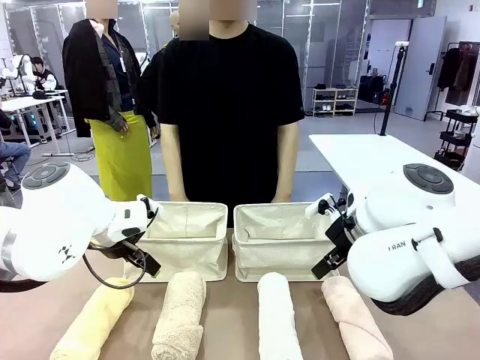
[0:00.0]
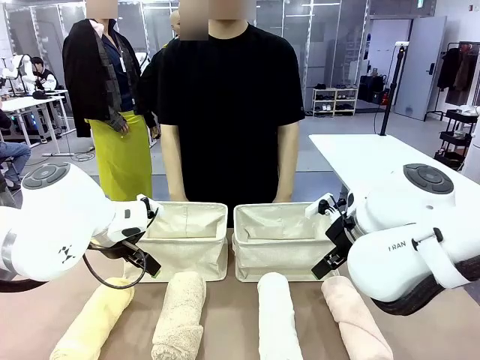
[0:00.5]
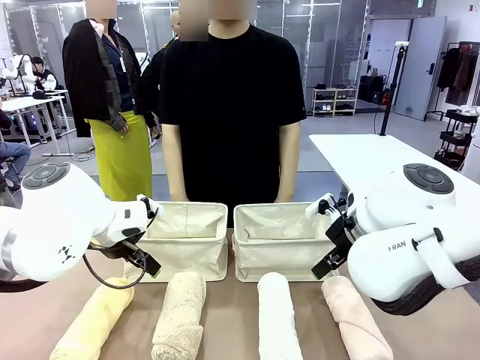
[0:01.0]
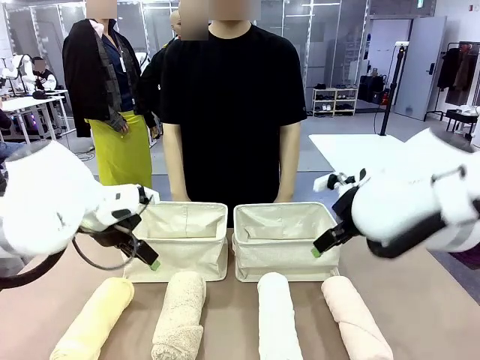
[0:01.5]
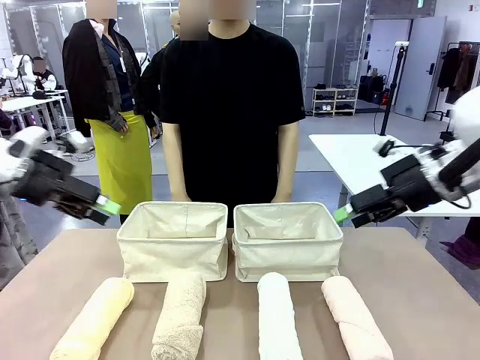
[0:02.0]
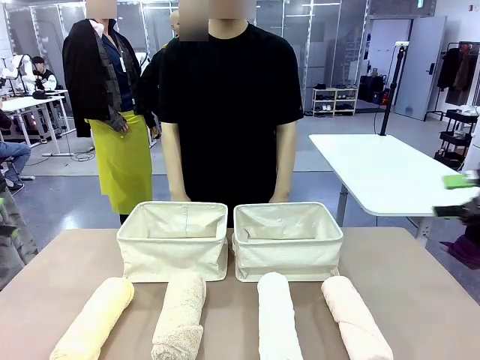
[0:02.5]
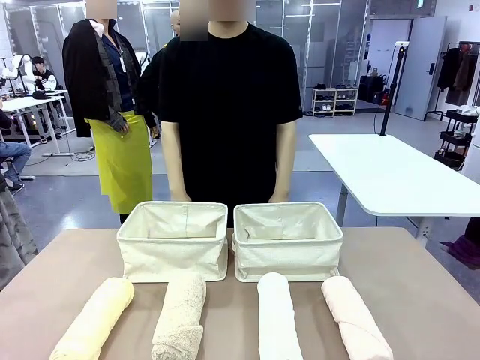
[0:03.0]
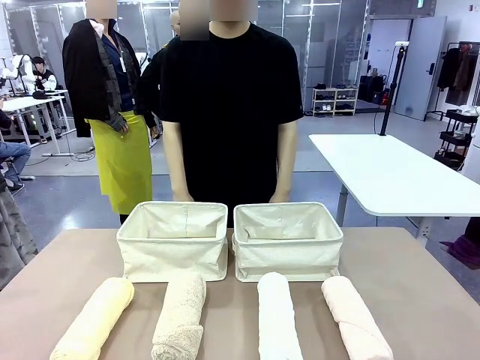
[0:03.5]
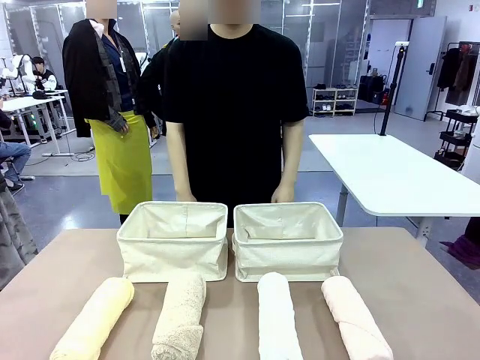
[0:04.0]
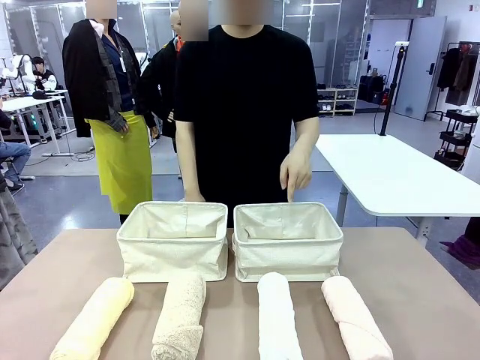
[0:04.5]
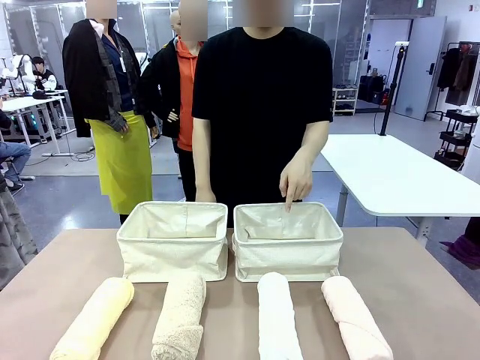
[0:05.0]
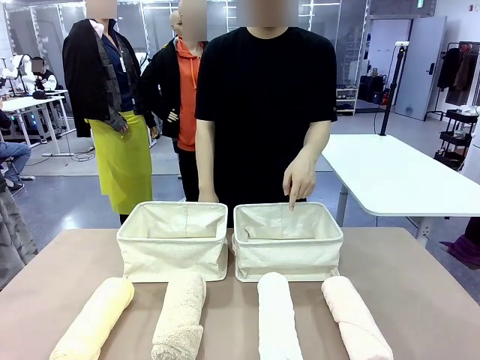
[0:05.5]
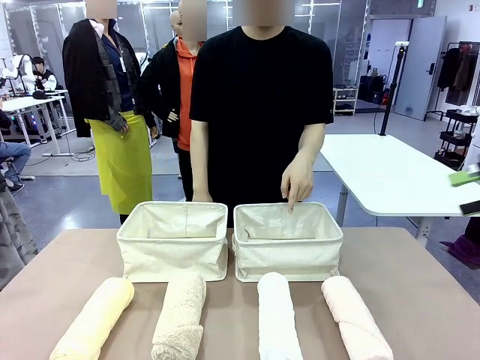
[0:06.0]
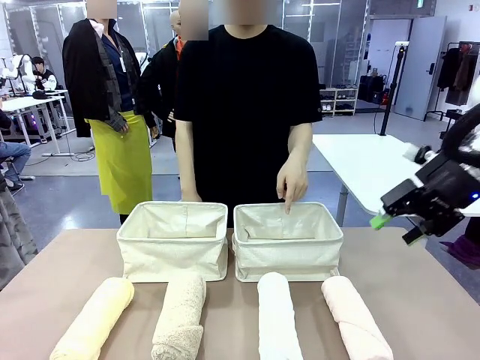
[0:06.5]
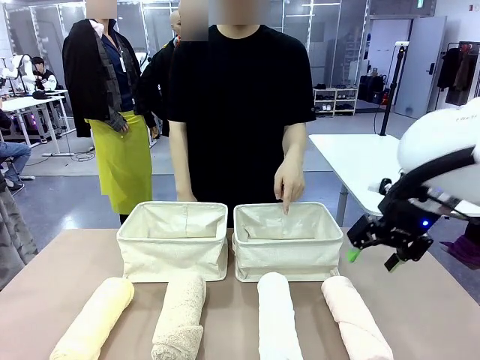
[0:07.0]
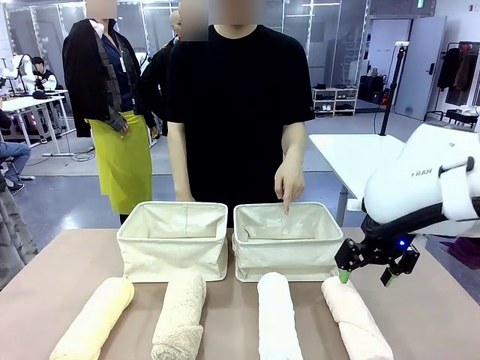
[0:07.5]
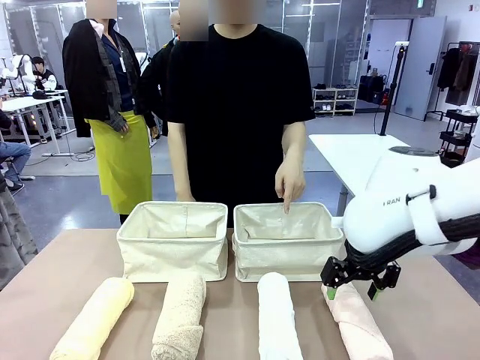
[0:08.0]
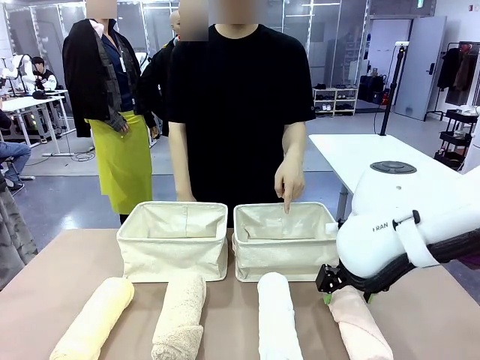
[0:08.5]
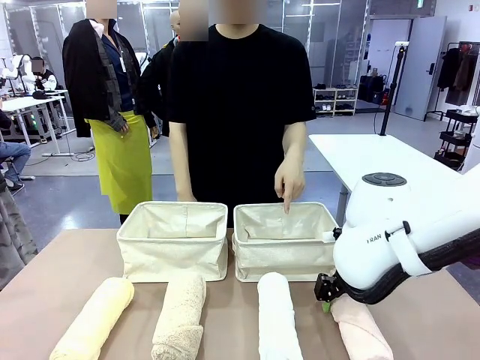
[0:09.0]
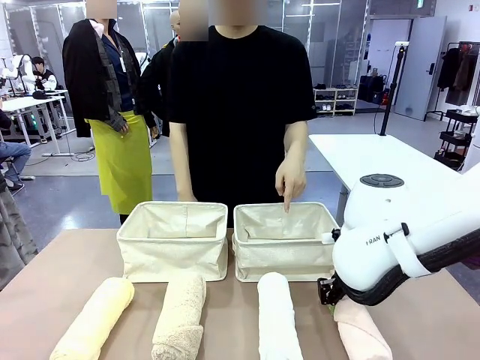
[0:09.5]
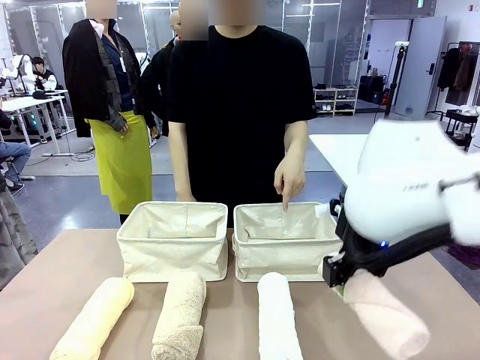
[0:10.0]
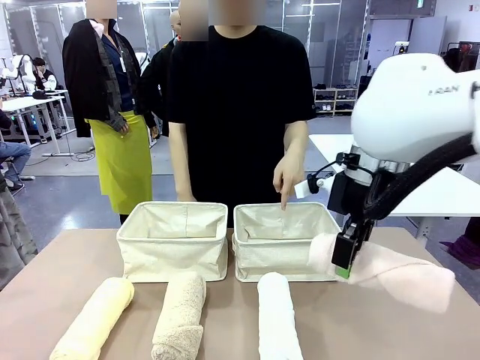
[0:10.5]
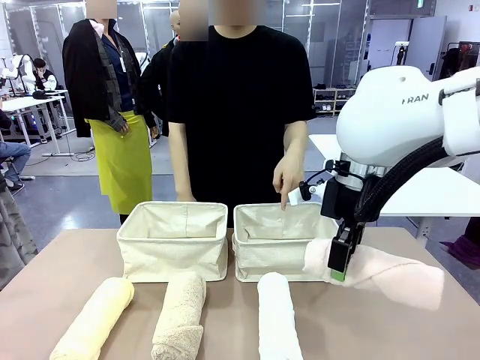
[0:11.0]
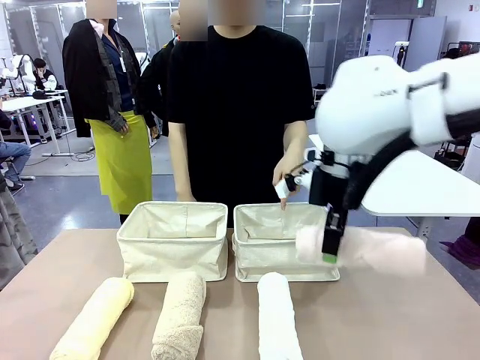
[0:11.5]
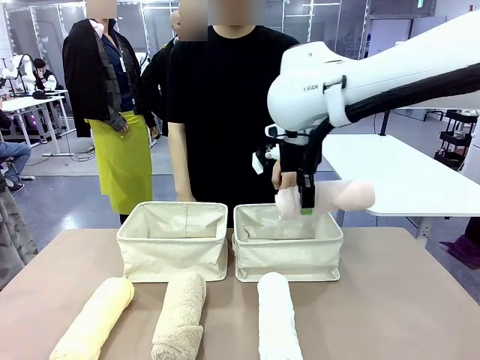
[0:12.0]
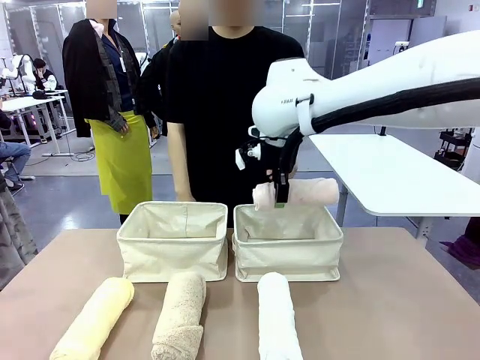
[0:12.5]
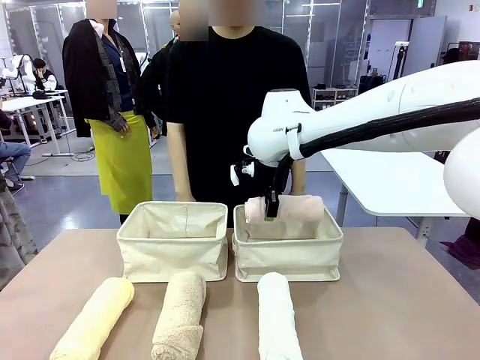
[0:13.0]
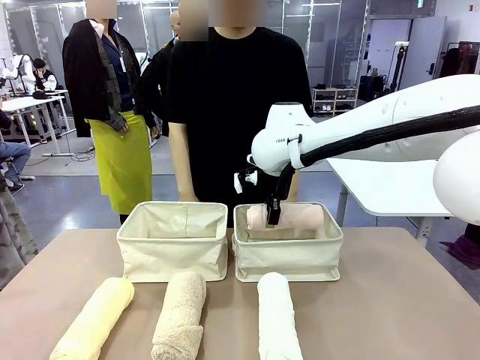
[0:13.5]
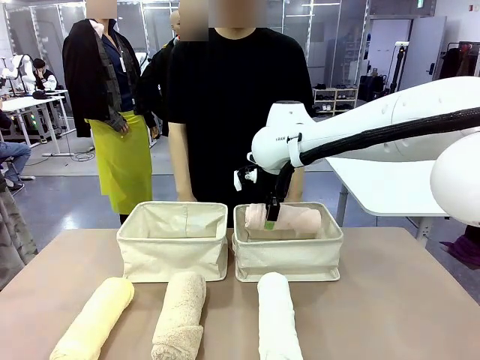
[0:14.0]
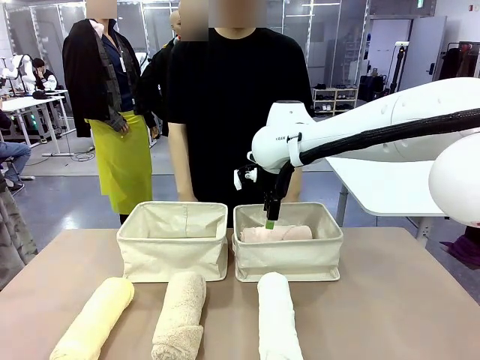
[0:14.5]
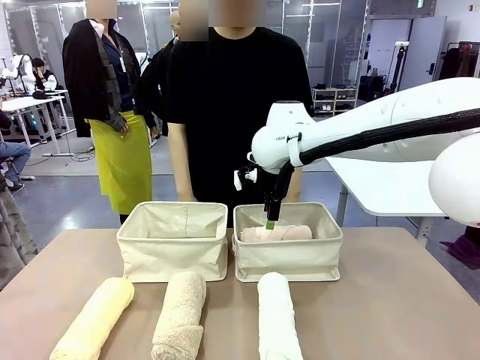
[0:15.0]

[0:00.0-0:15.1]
Task: Divide the towels into two baskets.
Robot: Pick up one hotel-folded towel and place it in the Fabric basket indicated by the person.

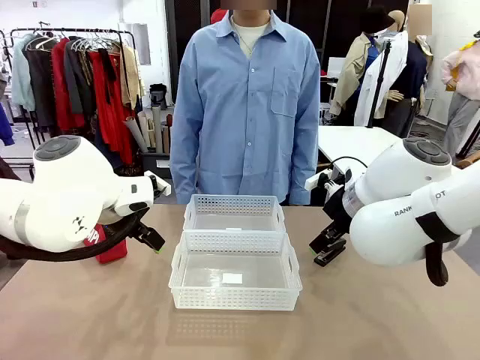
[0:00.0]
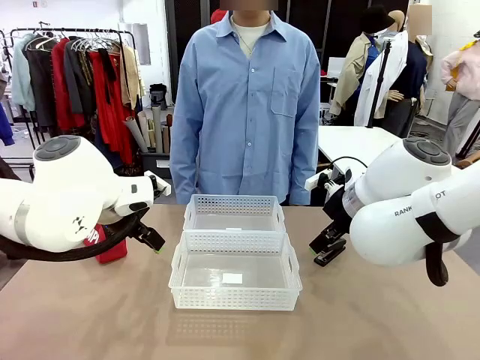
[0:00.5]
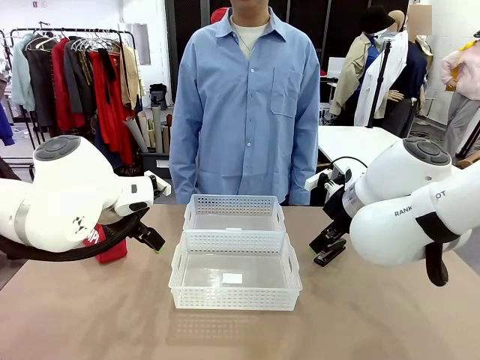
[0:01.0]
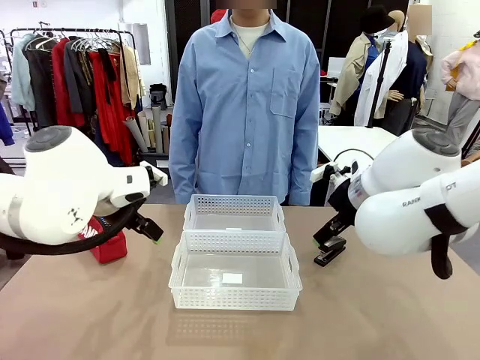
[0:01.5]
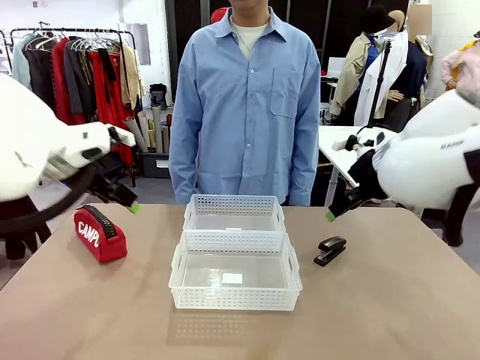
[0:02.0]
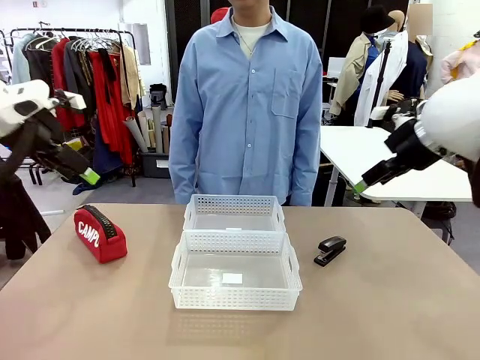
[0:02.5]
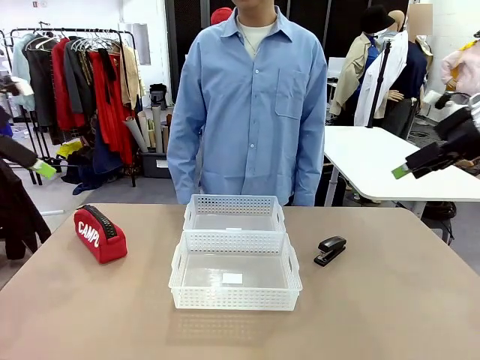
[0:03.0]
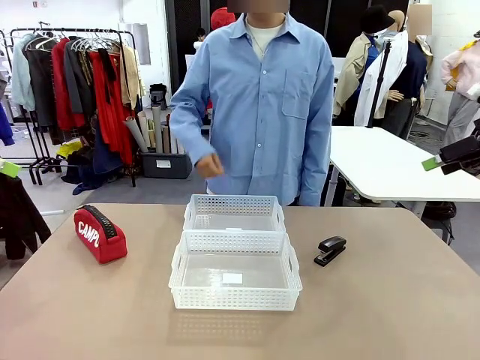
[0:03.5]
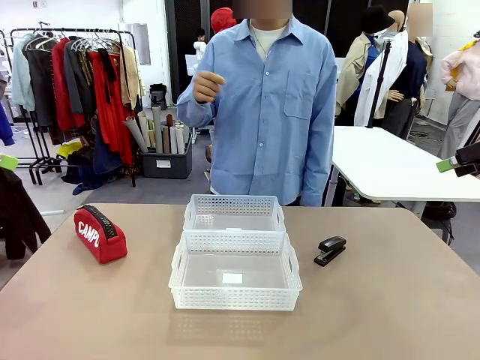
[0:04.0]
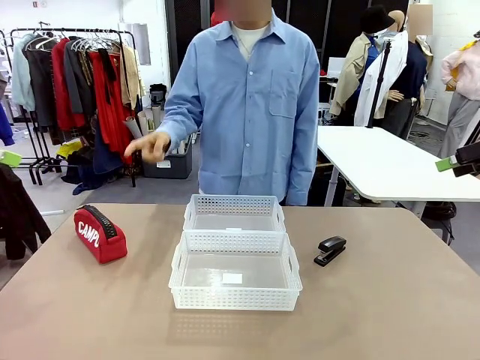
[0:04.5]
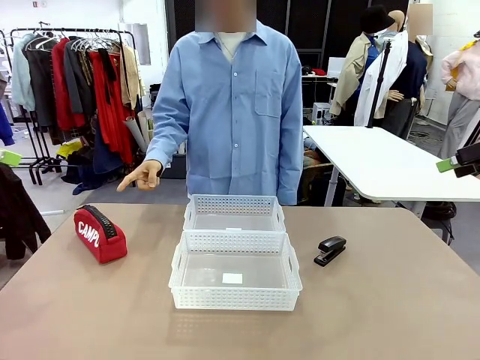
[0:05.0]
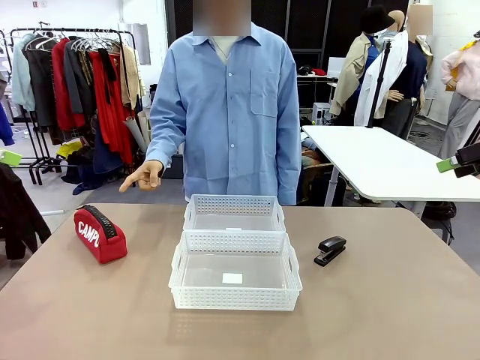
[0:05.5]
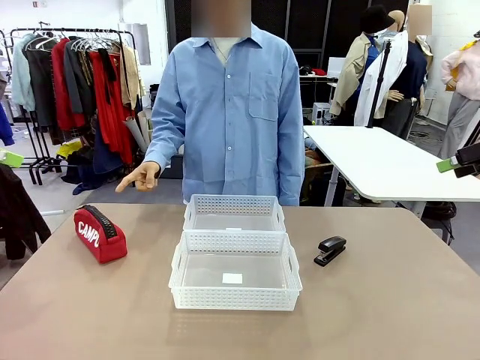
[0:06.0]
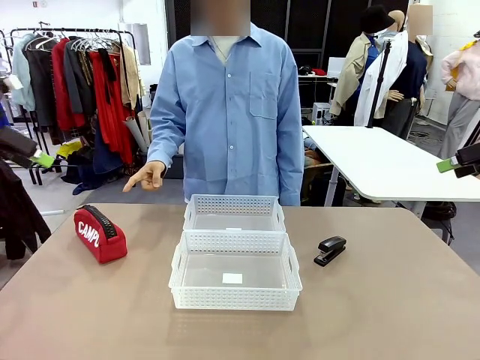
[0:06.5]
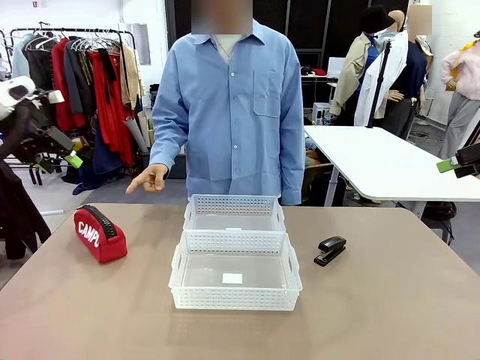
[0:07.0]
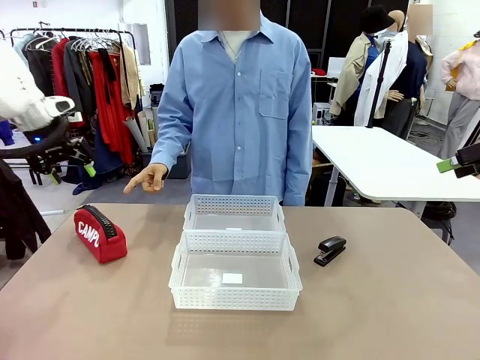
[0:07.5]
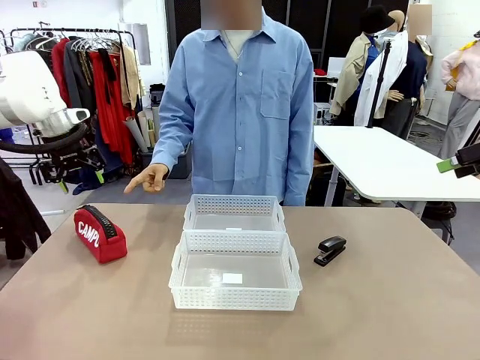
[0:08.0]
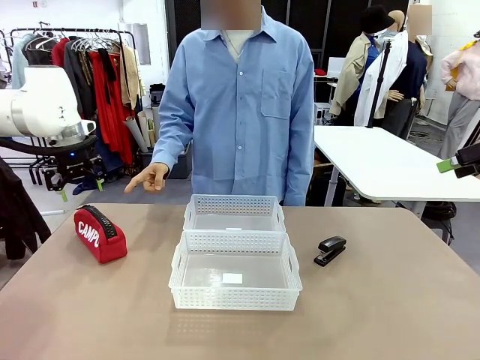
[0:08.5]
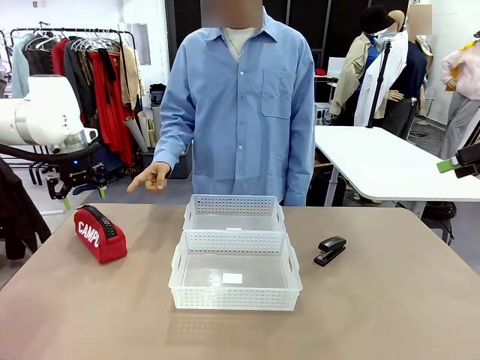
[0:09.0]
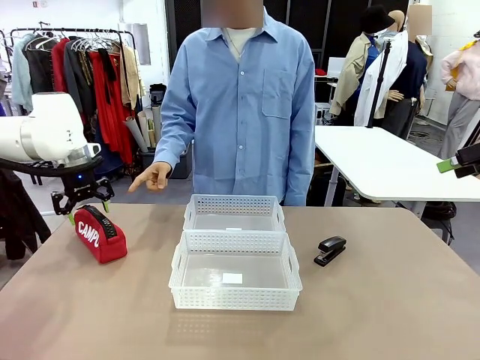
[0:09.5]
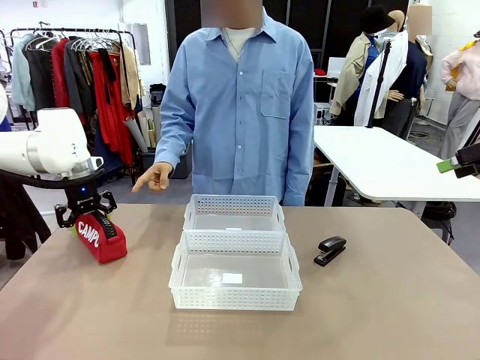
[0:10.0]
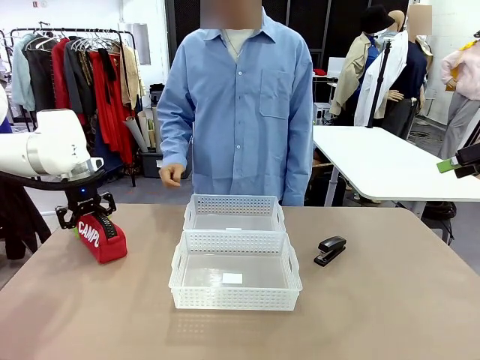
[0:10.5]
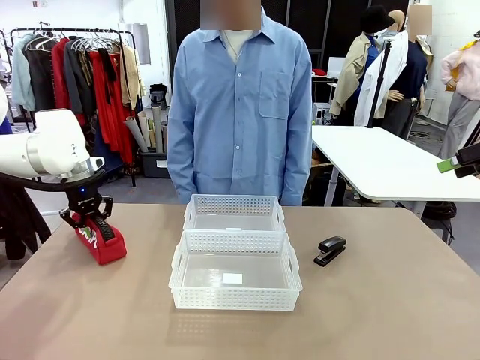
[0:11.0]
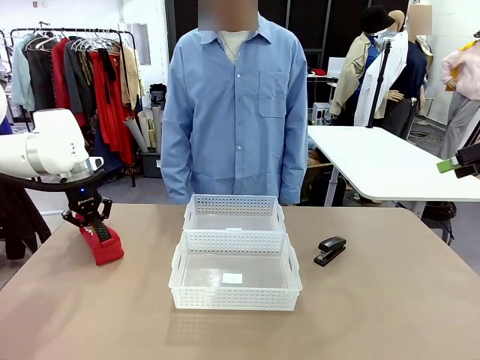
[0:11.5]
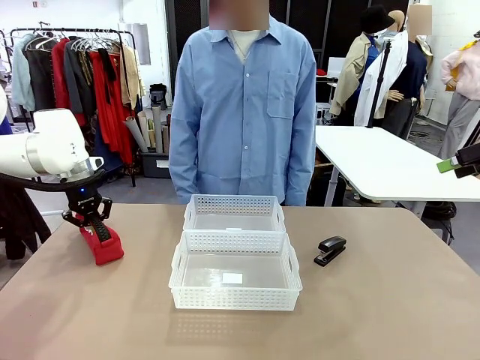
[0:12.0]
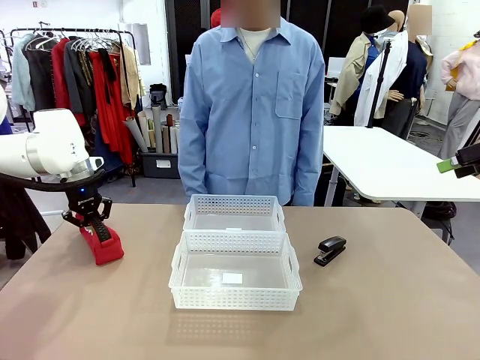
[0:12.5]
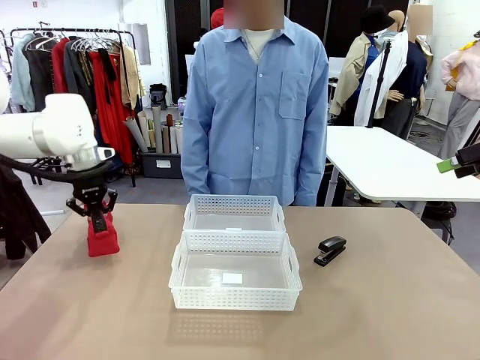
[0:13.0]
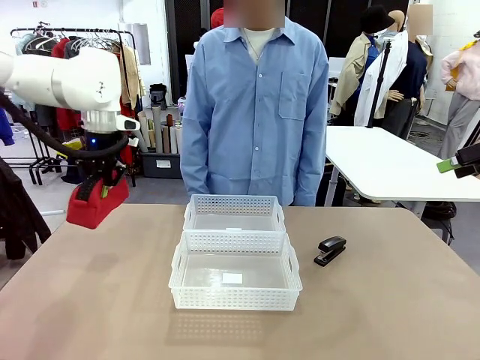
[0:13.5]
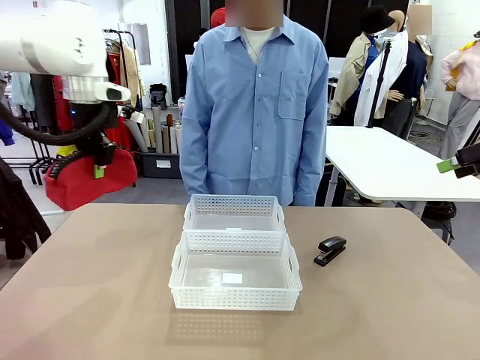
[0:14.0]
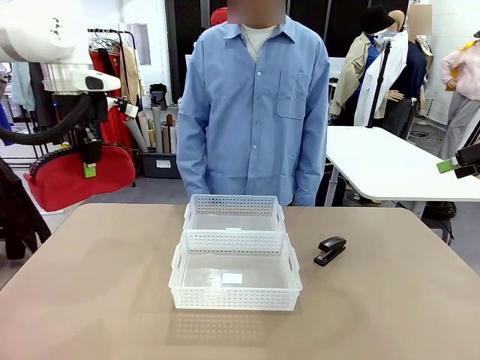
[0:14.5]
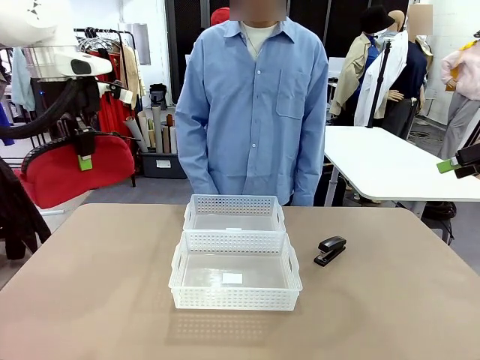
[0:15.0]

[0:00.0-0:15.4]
Task: Distribute items into two baskets.
Robot: Pick up the Pencil pouch that the person points to.
Person: Points to the pencil case. Points between the two organizing baskets and instructs the robot to move the pencil case.
